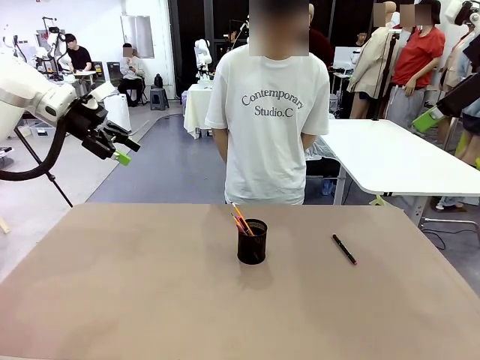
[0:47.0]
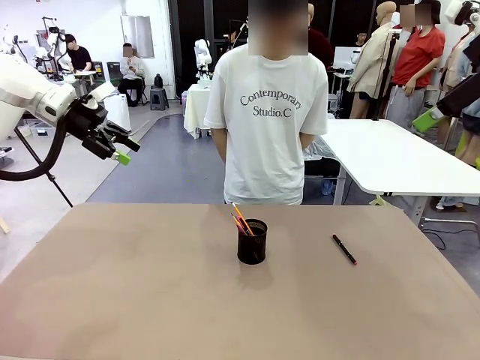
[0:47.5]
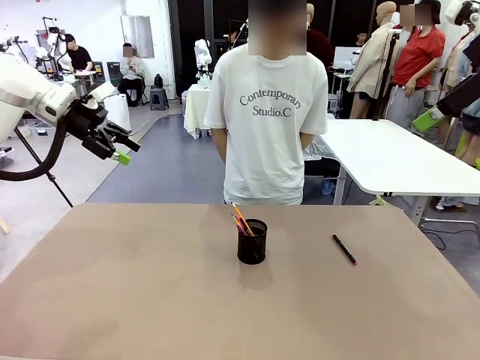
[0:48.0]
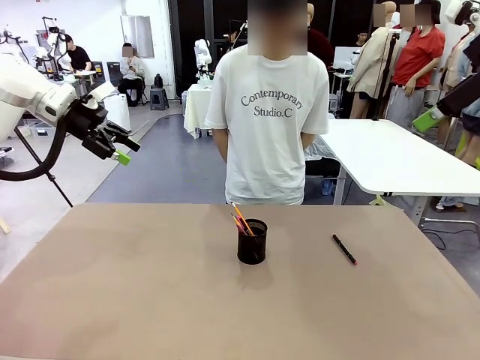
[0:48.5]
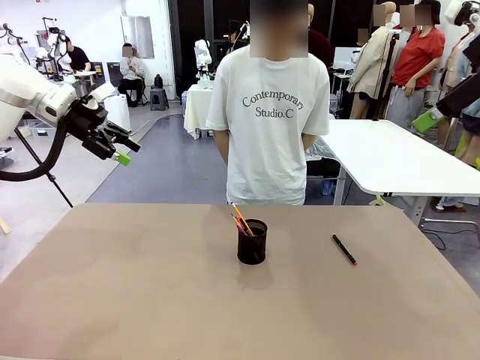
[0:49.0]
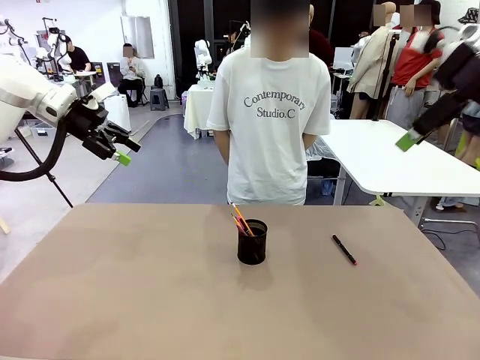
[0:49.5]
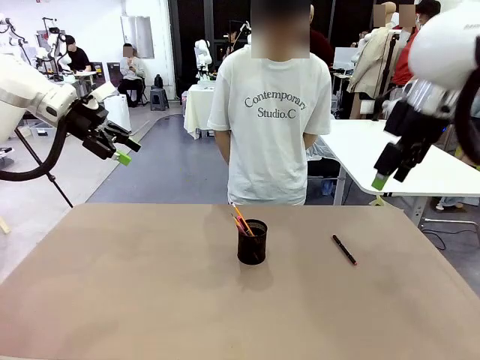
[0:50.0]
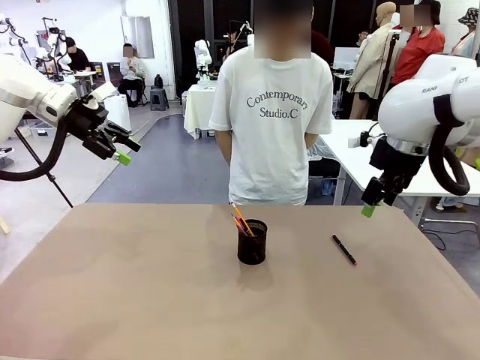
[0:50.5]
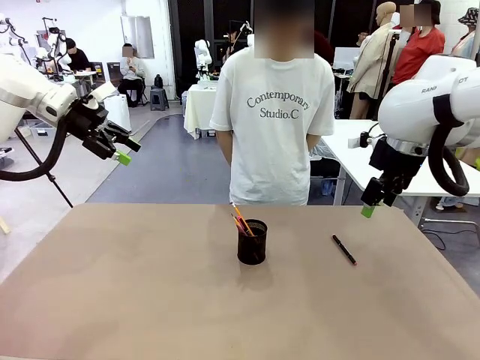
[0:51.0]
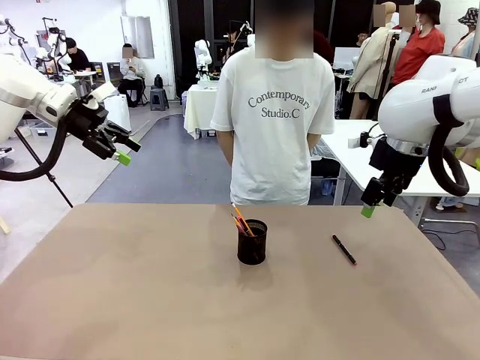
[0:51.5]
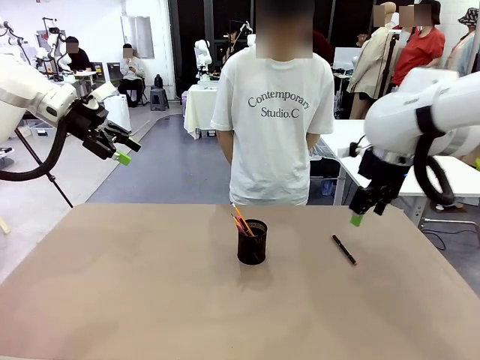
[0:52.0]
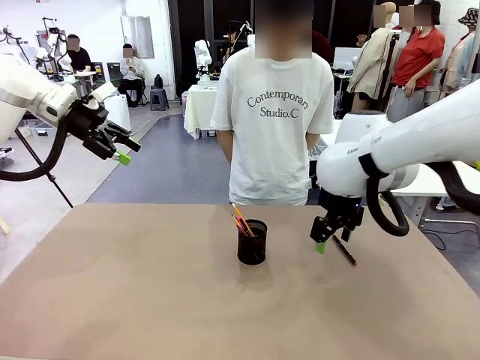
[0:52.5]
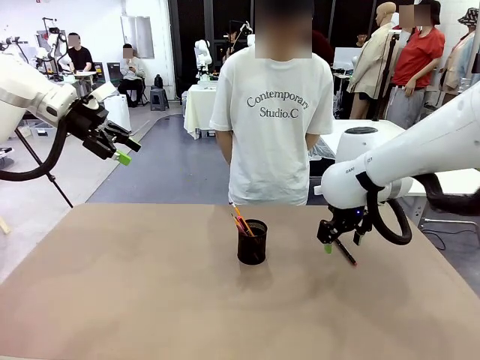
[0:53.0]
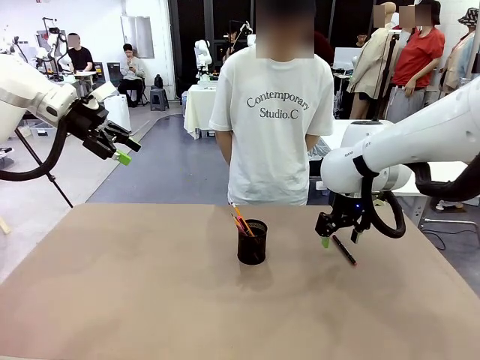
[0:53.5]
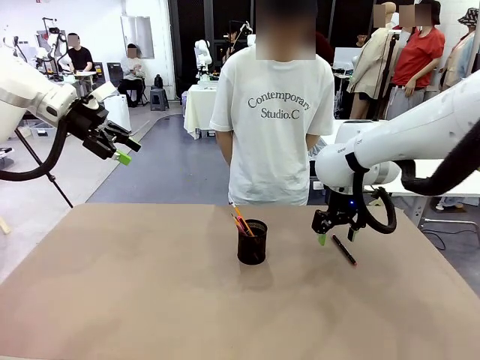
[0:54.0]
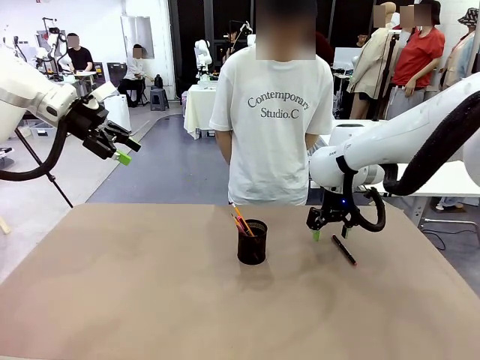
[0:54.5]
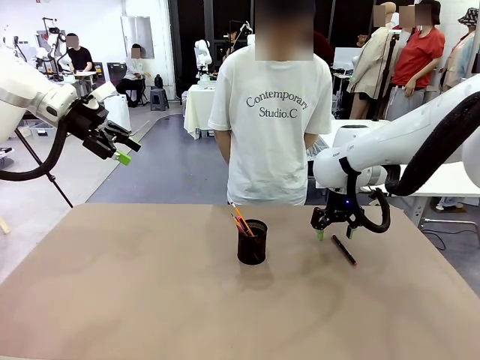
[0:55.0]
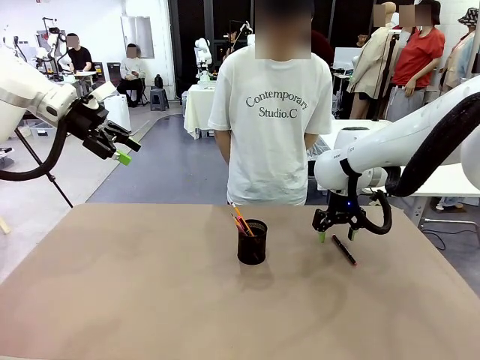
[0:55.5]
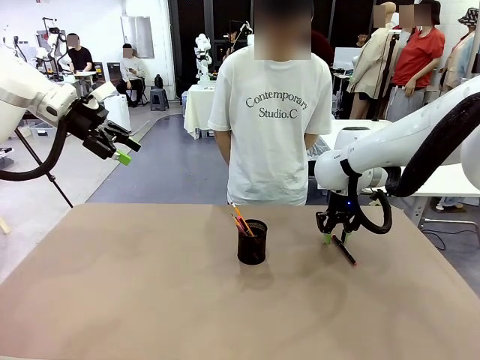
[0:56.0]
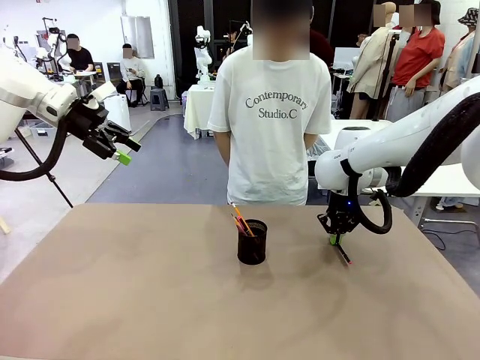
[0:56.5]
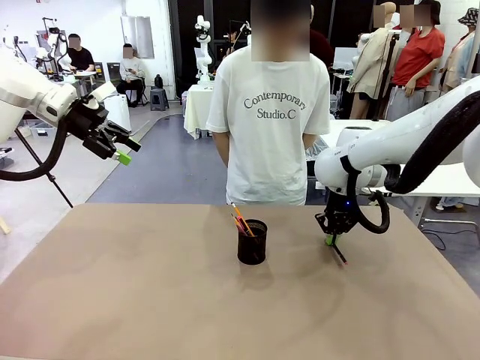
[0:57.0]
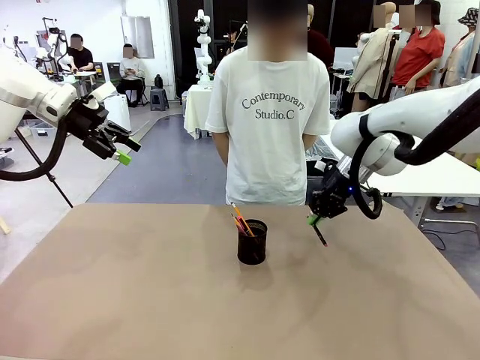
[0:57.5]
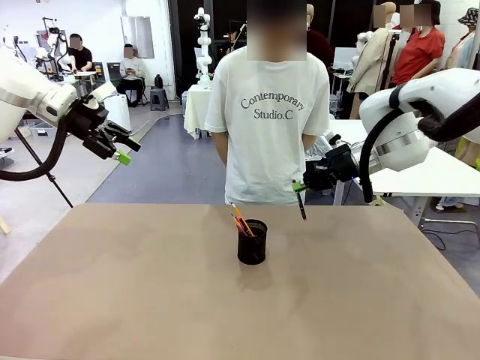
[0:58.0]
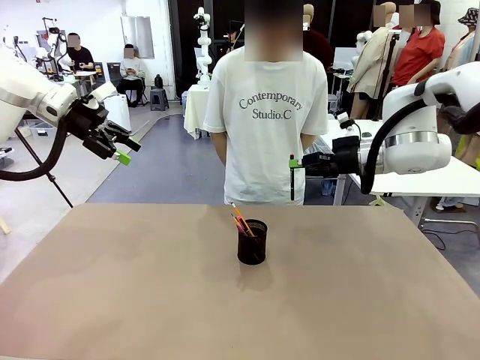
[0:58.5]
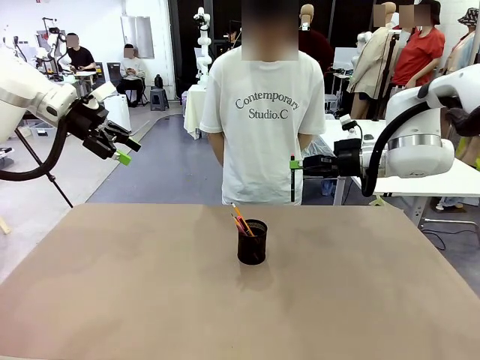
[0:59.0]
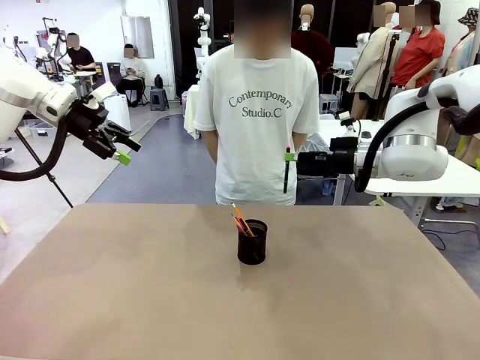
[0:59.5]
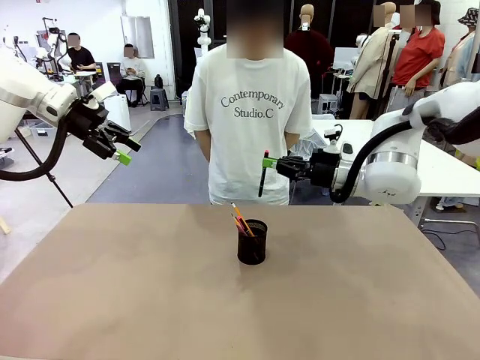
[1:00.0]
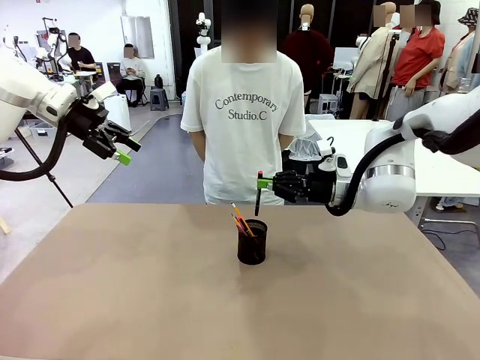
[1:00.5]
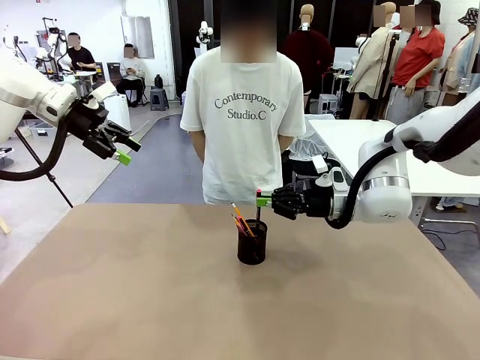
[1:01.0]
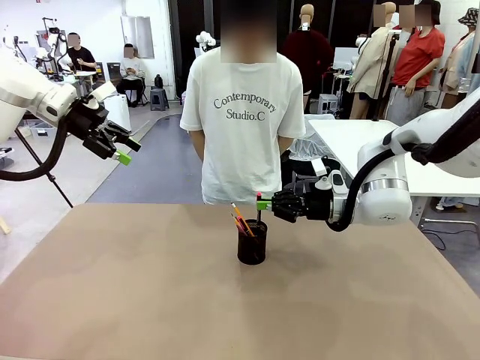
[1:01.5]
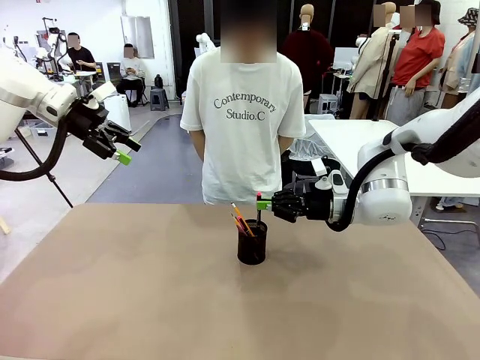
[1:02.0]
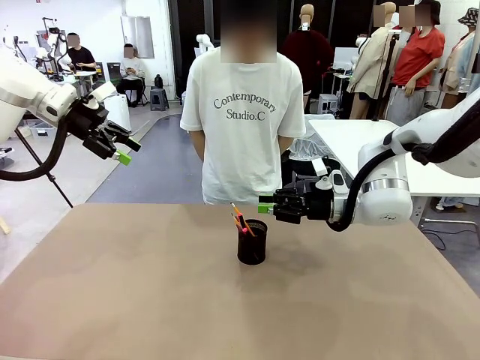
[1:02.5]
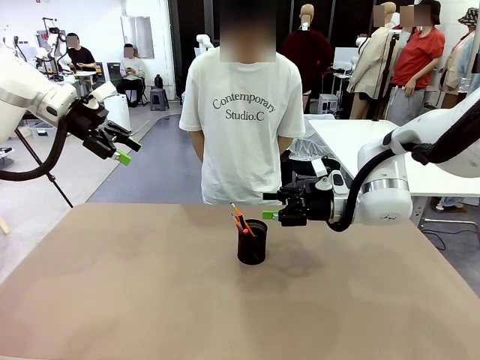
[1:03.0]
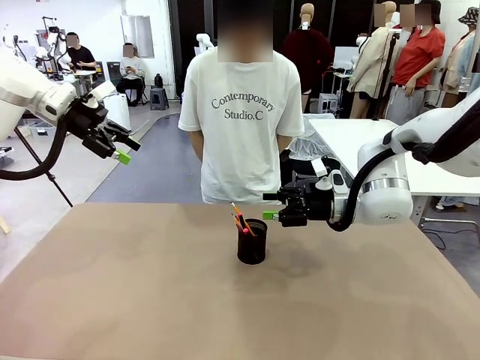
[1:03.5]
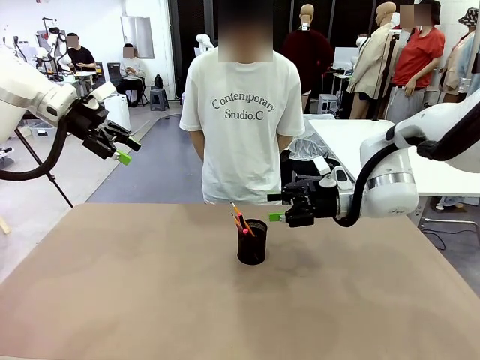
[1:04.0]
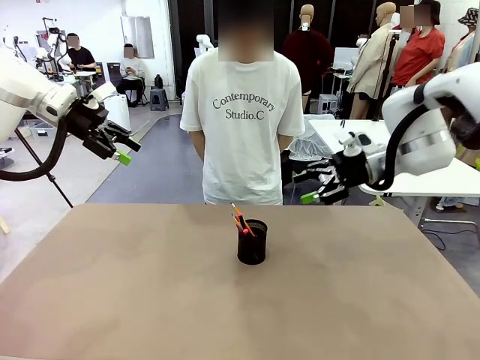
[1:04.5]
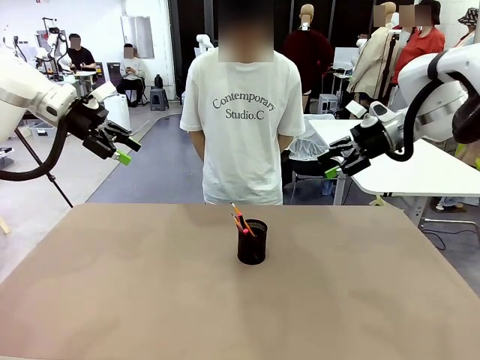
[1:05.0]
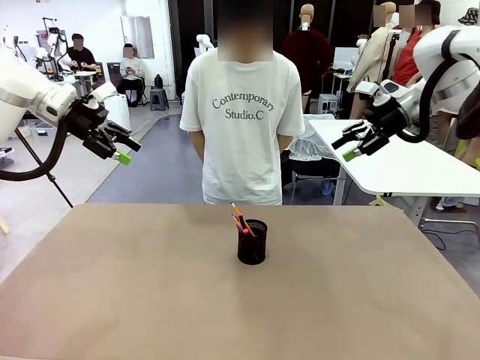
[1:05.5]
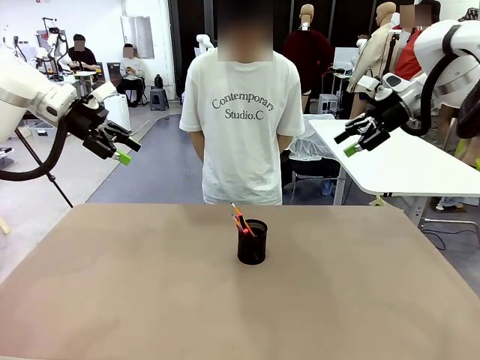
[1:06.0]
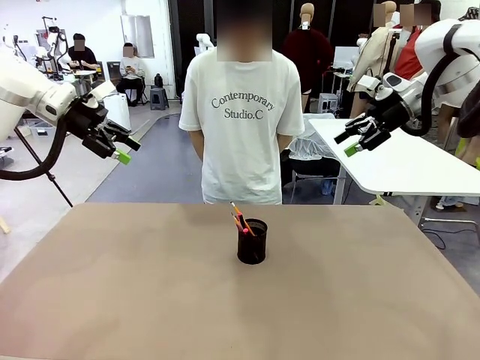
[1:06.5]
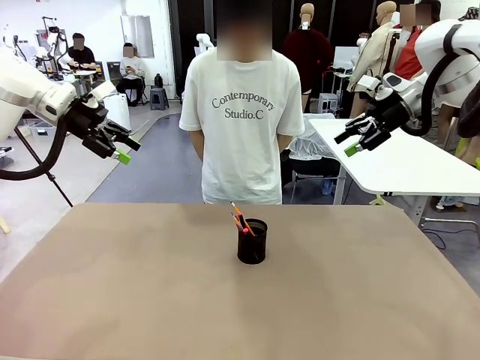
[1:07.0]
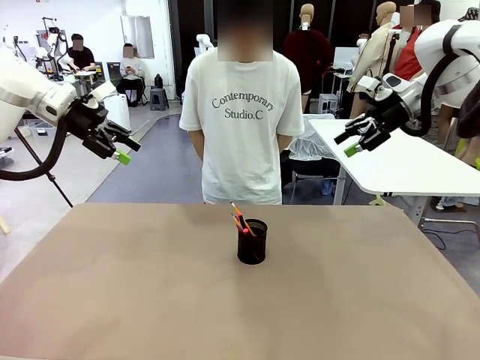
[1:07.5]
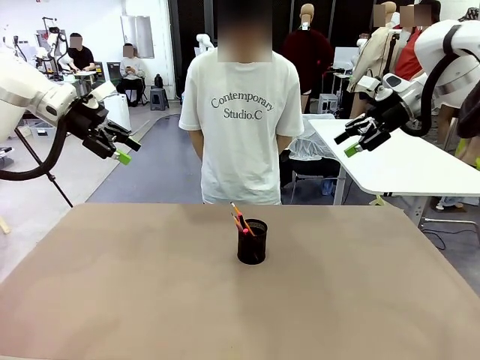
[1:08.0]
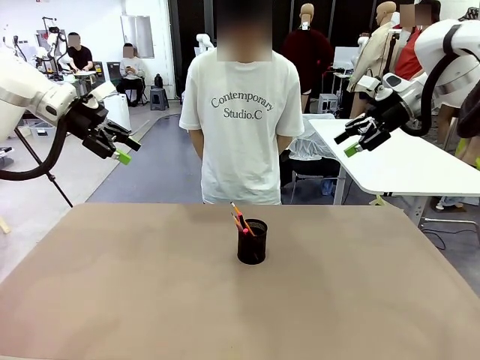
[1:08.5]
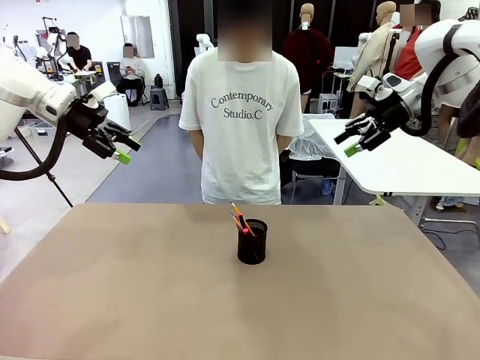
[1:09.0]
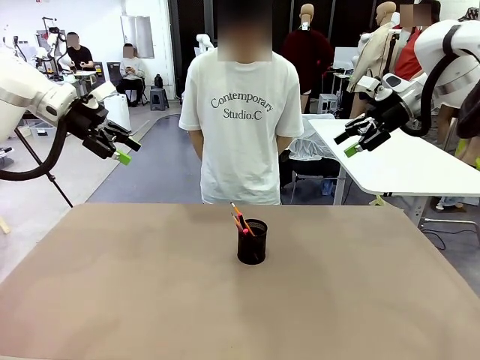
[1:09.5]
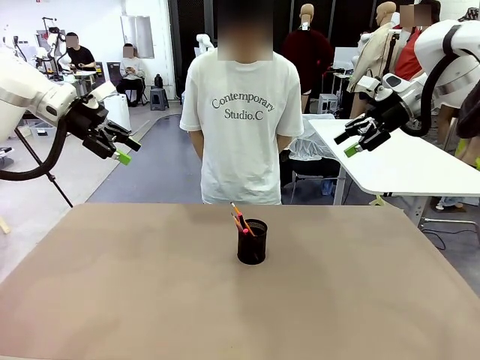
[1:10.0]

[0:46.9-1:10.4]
Task: Place the pens into the pen holder.
Robot: Pick up a writing instrument from the table and place it into the Pen holder.
